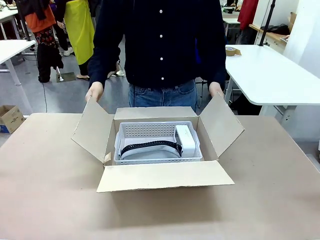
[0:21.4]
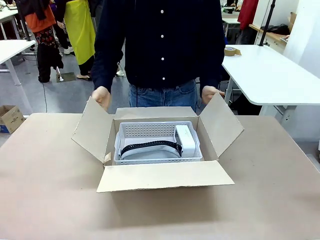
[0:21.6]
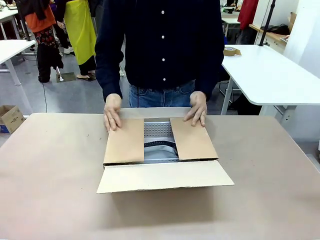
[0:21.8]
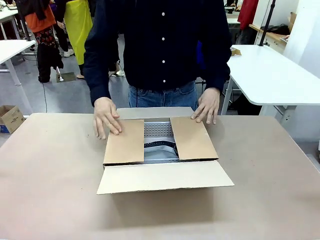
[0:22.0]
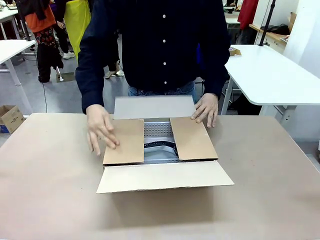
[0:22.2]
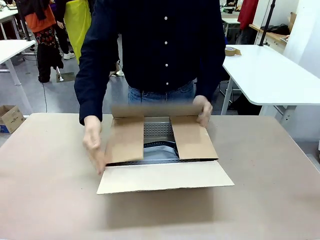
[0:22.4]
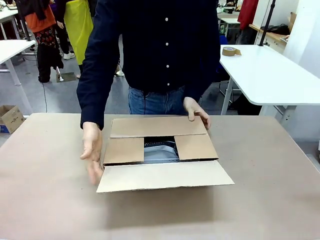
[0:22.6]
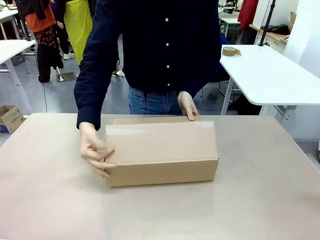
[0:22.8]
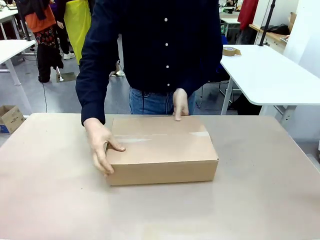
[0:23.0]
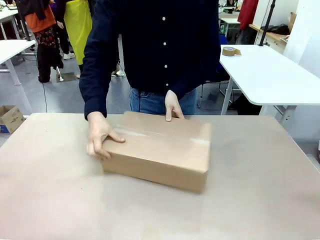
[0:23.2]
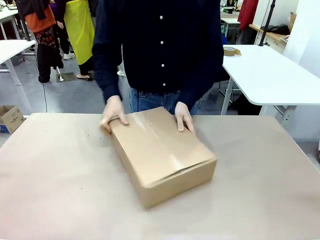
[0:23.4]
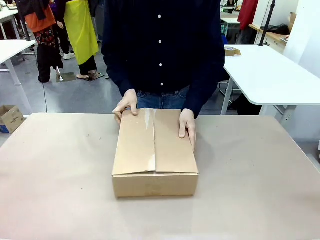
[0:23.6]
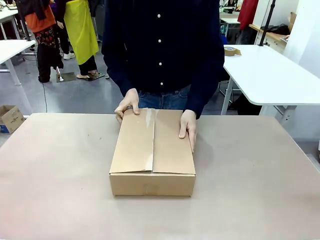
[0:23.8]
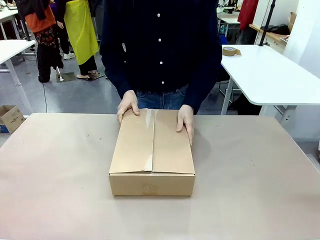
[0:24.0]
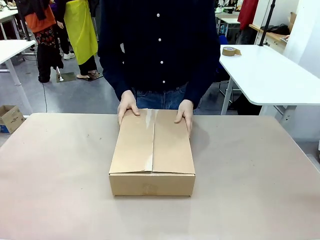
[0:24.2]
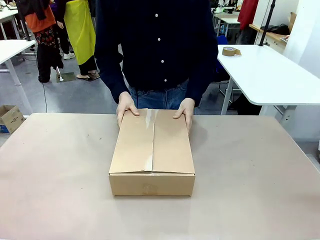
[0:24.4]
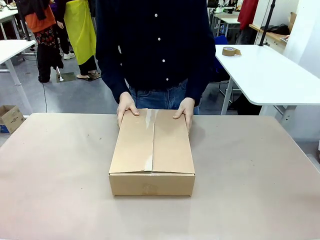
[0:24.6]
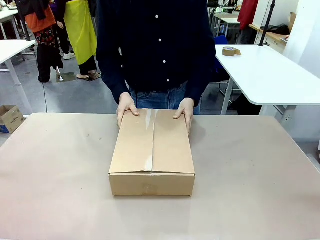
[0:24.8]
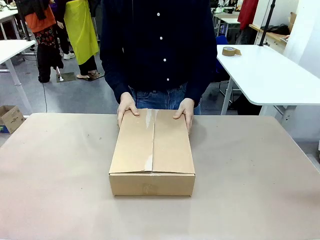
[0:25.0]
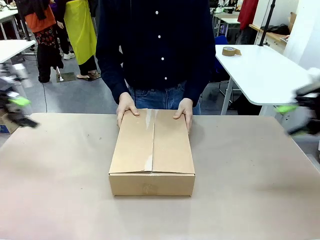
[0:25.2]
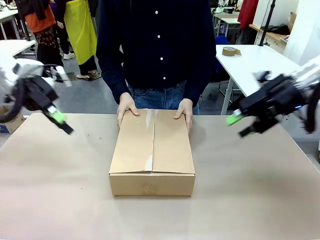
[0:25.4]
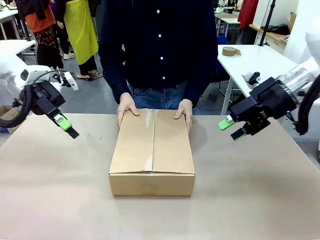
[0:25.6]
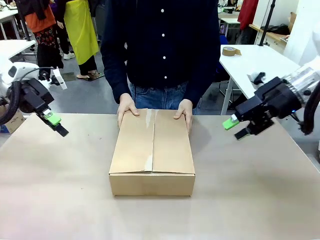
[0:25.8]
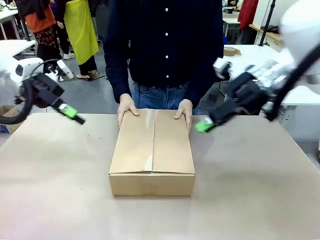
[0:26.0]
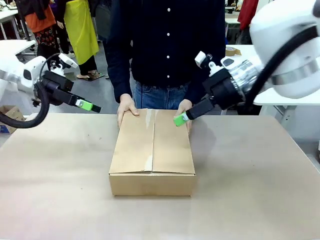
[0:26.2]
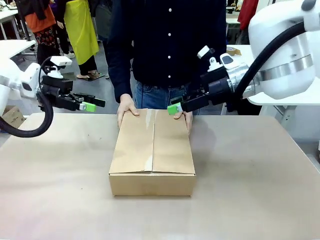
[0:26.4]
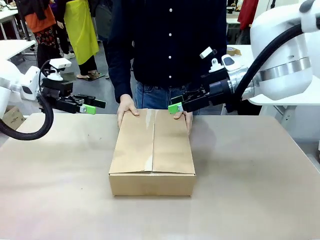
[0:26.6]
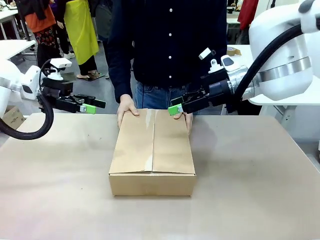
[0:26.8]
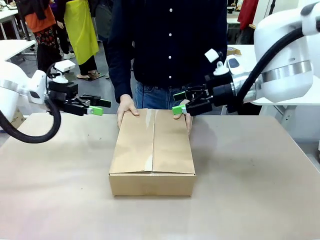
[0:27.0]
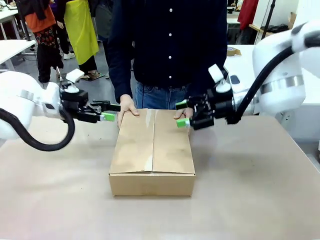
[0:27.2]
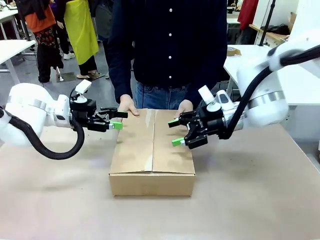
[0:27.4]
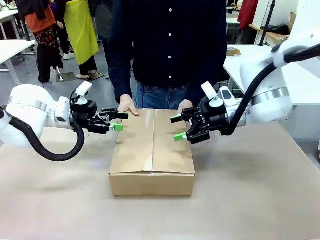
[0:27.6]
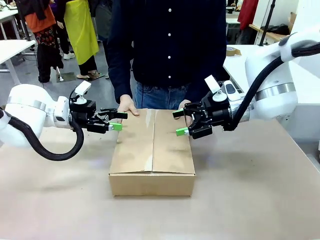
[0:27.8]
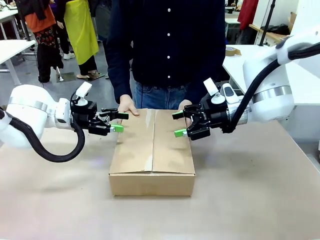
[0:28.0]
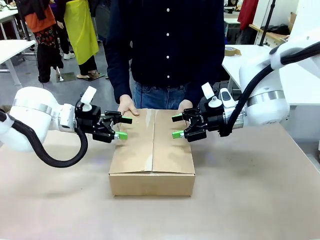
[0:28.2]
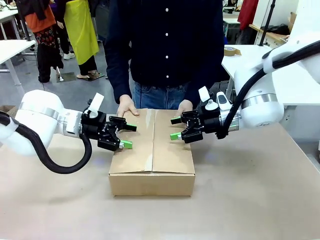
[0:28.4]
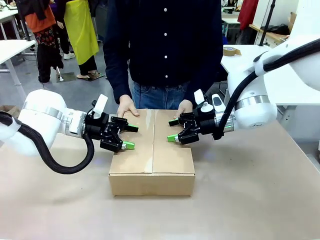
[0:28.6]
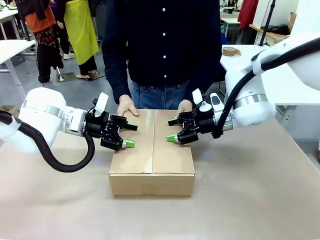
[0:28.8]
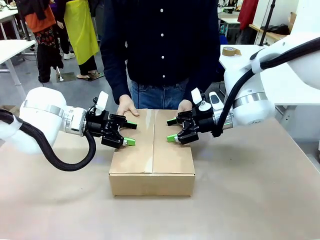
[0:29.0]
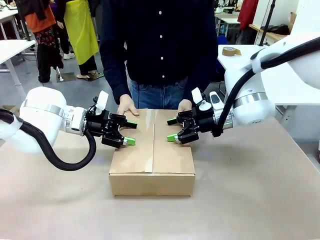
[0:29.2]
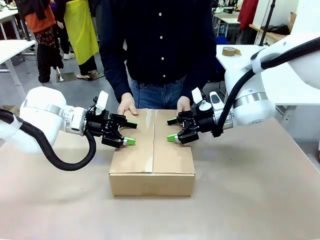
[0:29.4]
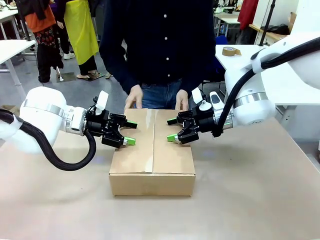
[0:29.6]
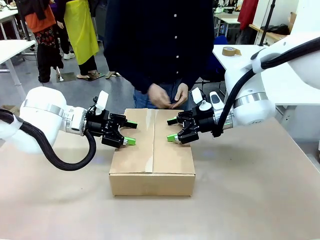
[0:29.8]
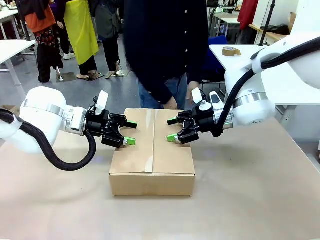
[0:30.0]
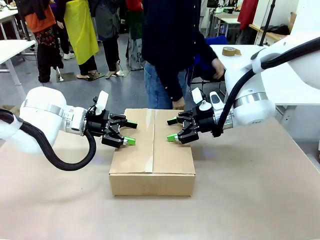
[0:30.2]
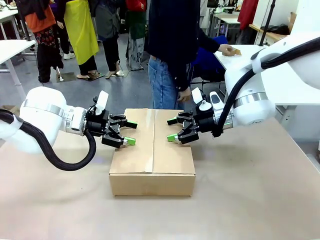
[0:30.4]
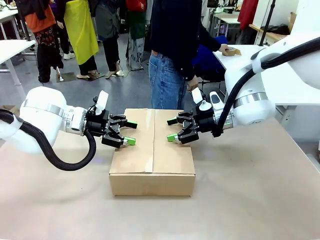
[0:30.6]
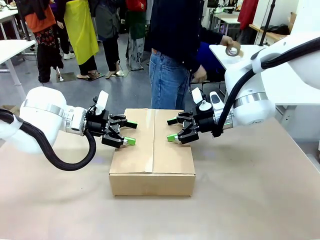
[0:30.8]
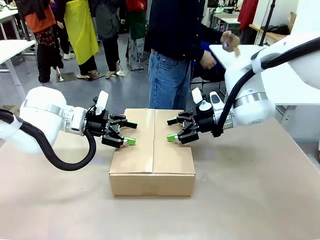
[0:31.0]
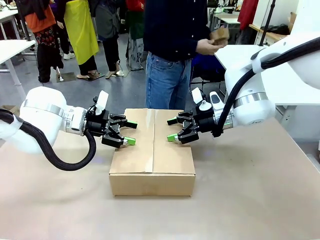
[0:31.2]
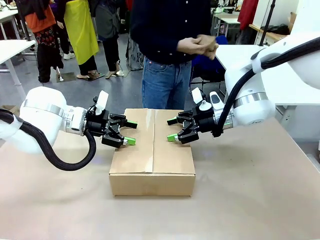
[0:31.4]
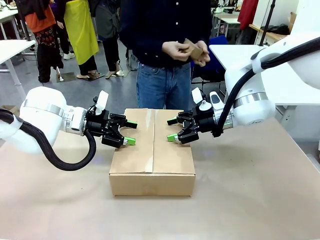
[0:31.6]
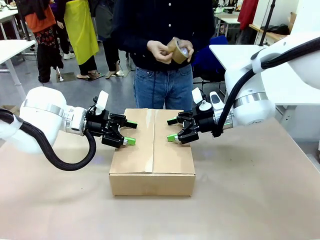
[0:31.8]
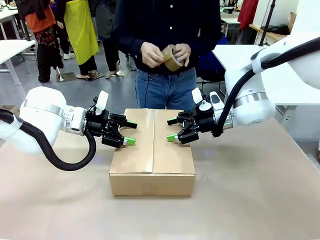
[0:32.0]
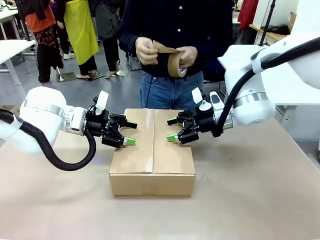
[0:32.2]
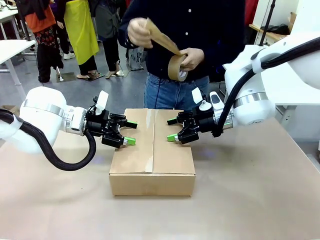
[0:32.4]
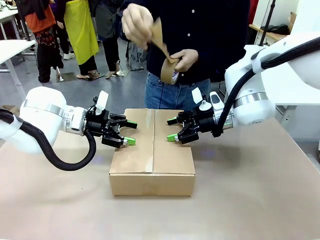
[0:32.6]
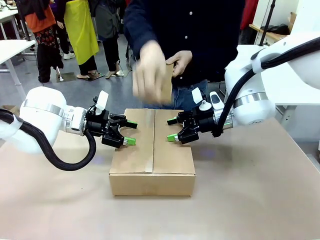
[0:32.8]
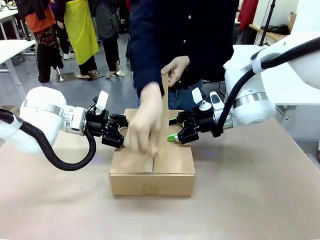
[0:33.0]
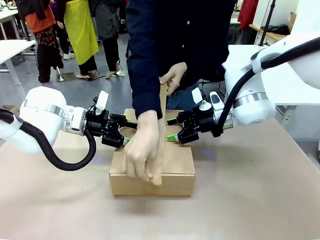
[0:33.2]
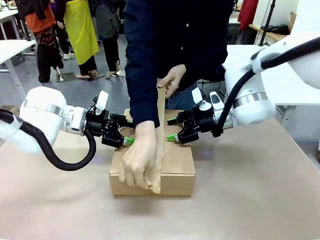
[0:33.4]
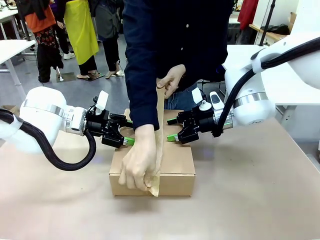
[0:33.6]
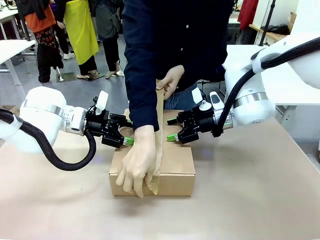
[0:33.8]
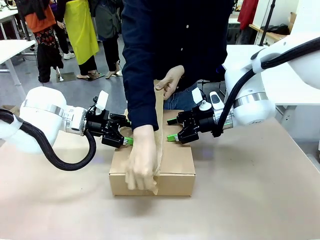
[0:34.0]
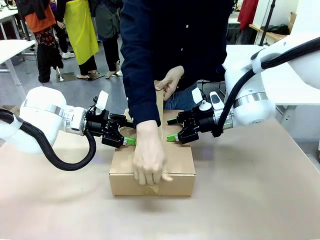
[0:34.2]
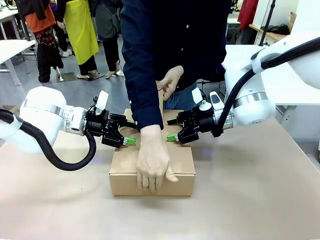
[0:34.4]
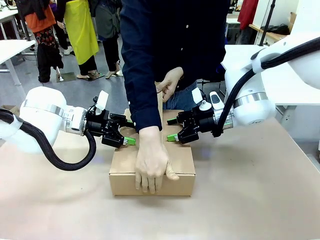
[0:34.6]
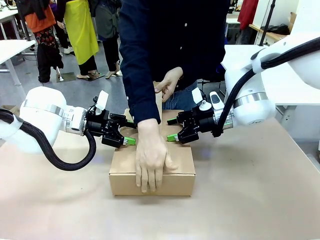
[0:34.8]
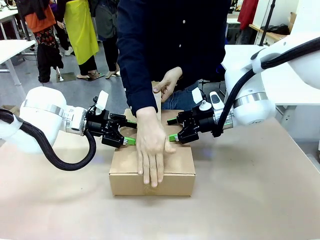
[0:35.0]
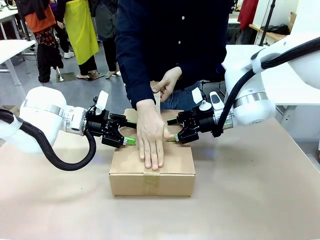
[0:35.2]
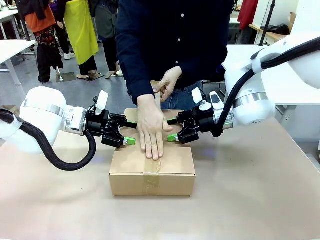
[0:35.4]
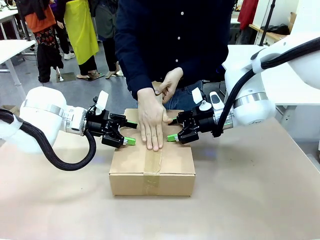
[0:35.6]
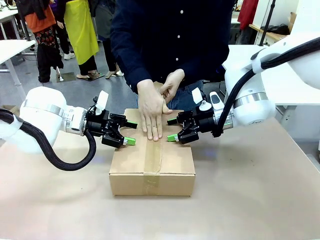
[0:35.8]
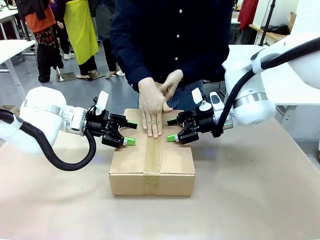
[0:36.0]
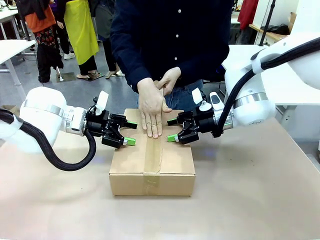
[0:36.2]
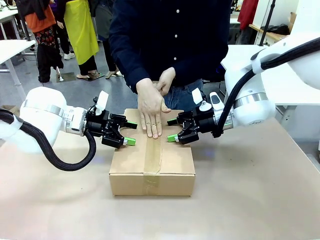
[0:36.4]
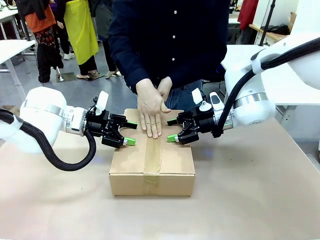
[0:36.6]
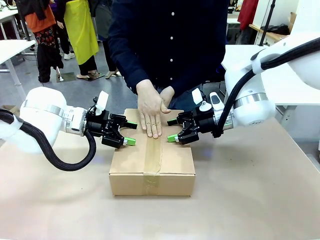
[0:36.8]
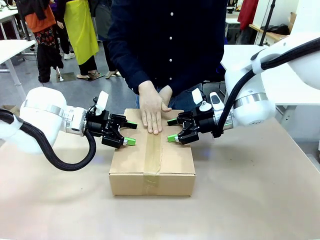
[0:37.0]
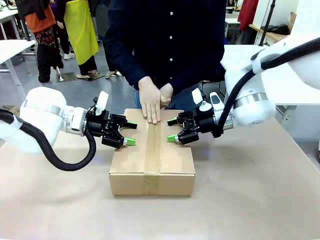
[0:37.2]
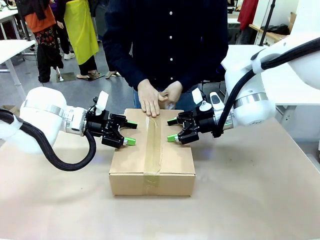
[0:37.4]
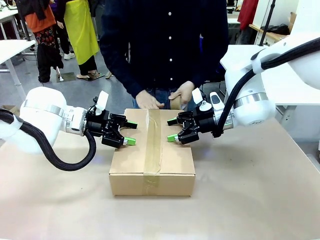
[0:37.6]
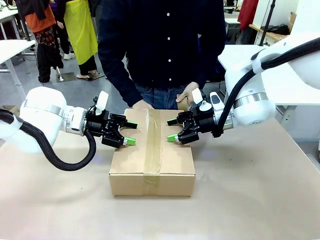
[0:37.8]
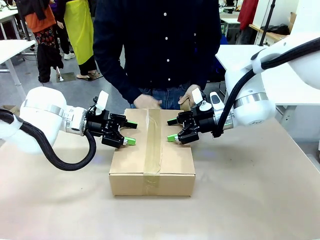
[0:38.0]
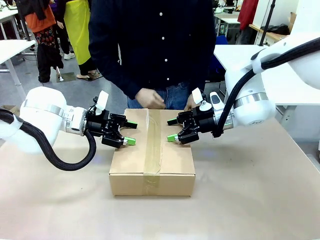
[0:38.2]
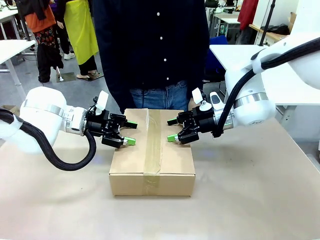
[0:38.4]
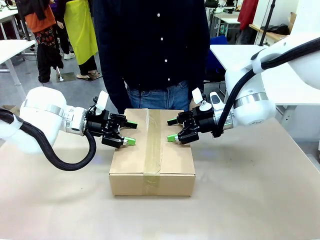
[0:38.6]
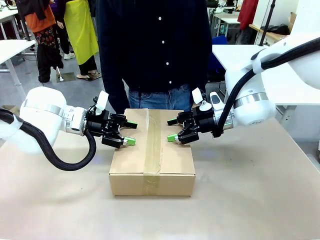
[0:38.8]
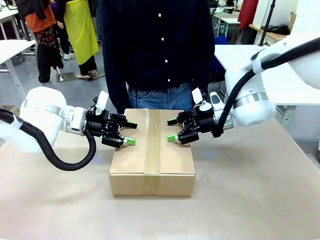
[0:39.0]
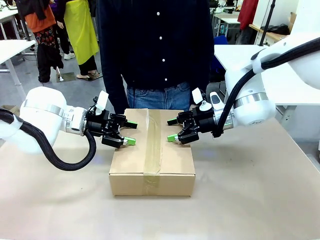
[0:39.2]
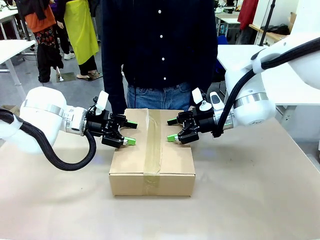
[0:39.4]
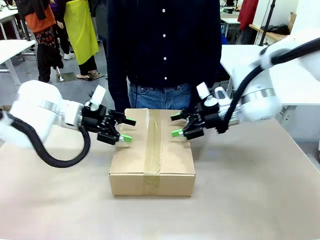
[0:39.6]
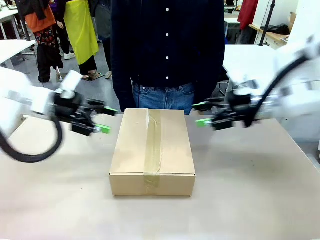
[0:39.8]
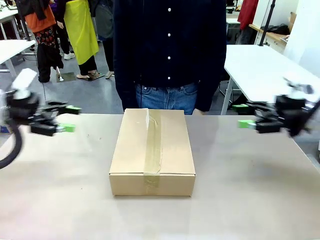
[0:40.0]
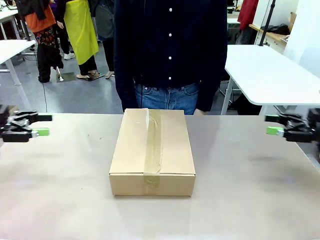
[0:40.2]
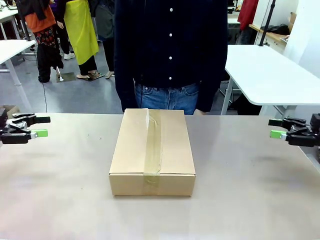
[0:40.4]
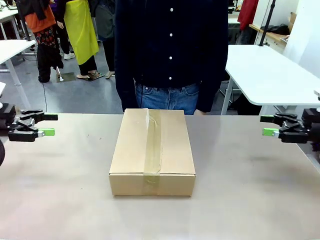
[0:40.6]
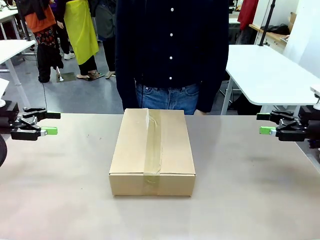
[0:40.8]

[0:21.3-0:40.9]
Task: Pack the gift set into the box.
Robot: Press and hold the closed box until the human finishes sealing it.
Person: The human closes the box and rotates the box by 90 degrees. The human picks up the paper tape from the human table and packs the box.
